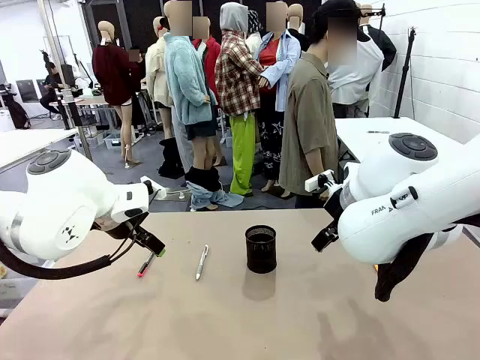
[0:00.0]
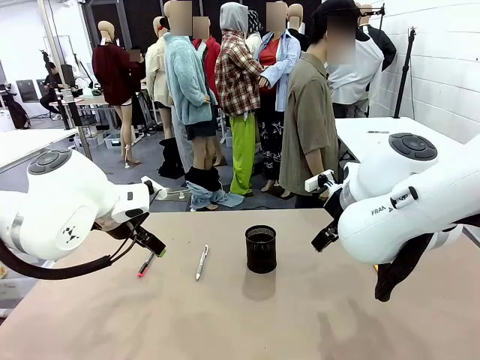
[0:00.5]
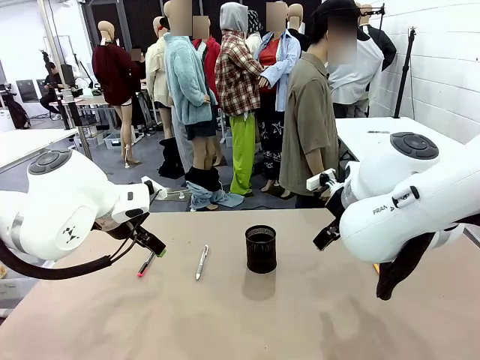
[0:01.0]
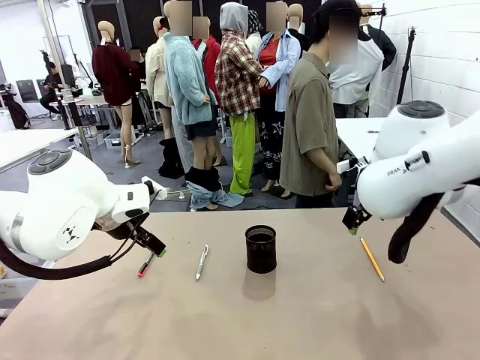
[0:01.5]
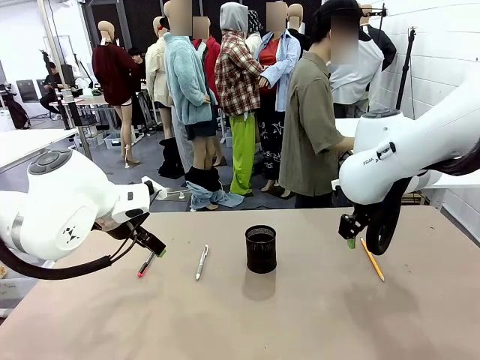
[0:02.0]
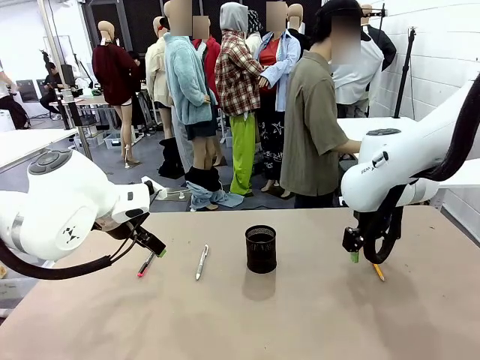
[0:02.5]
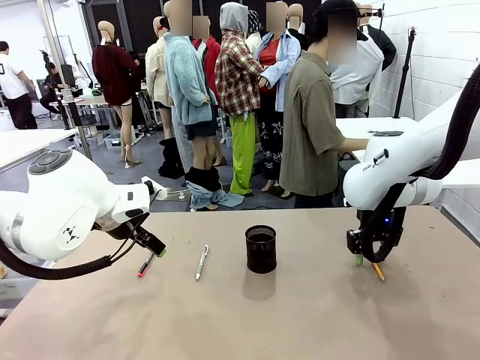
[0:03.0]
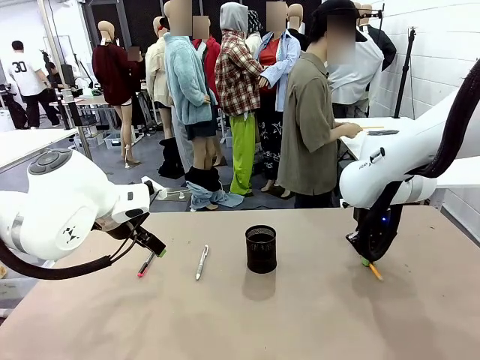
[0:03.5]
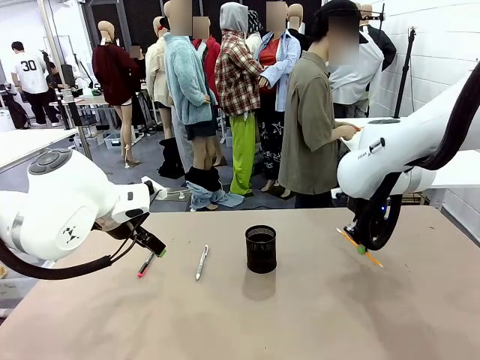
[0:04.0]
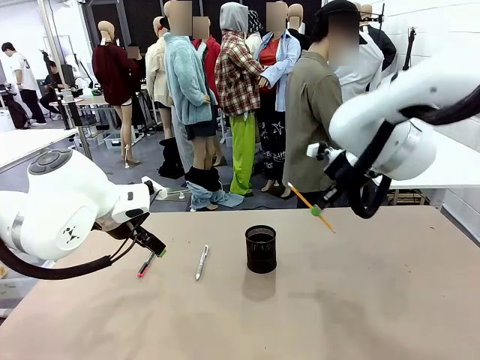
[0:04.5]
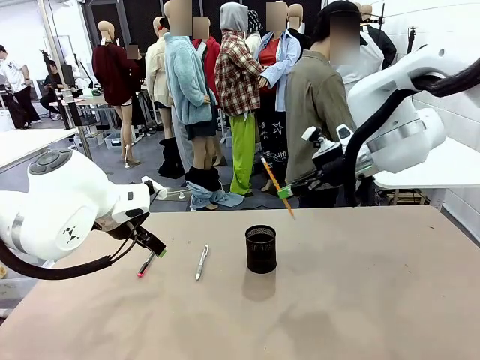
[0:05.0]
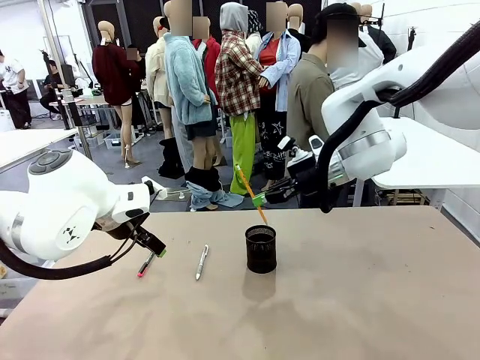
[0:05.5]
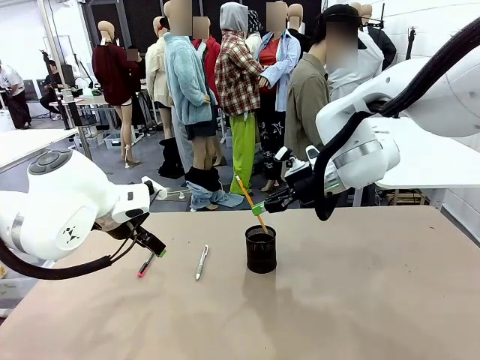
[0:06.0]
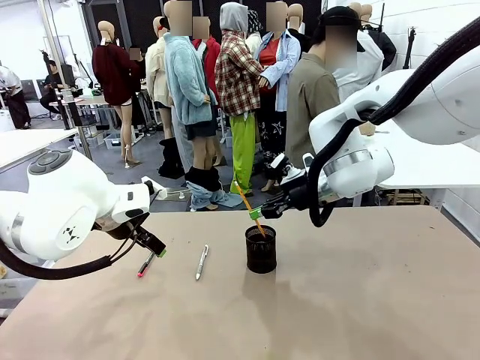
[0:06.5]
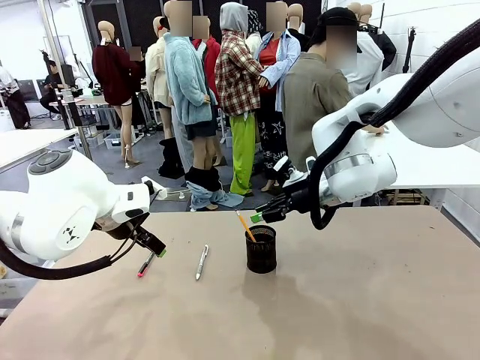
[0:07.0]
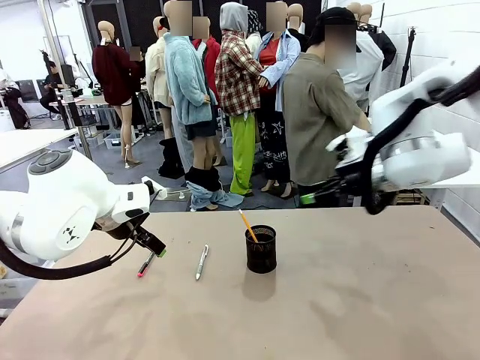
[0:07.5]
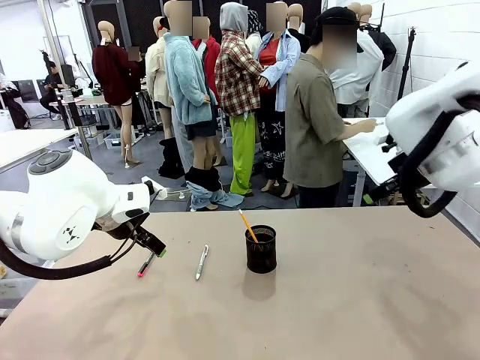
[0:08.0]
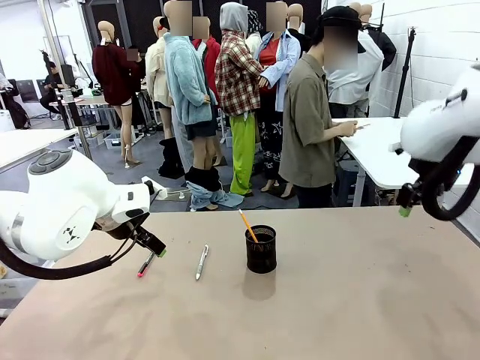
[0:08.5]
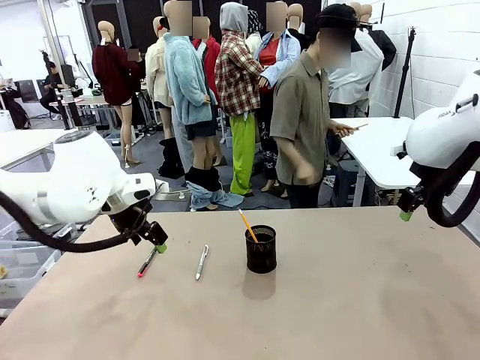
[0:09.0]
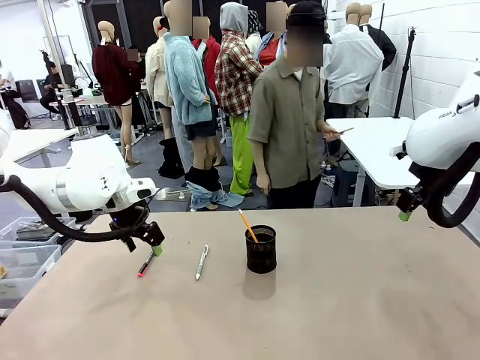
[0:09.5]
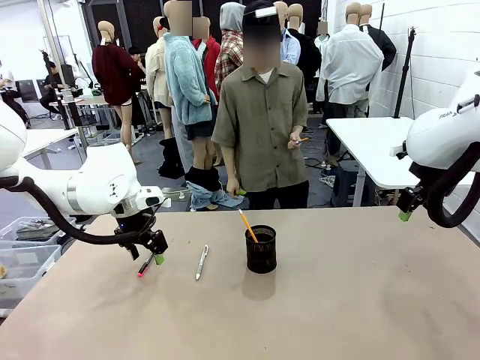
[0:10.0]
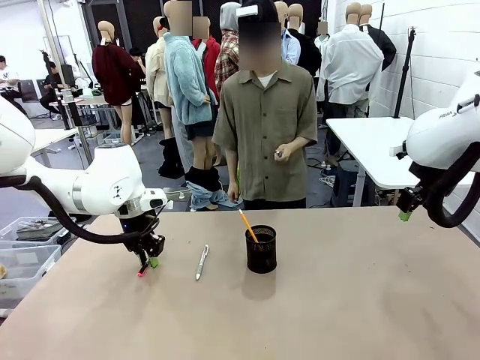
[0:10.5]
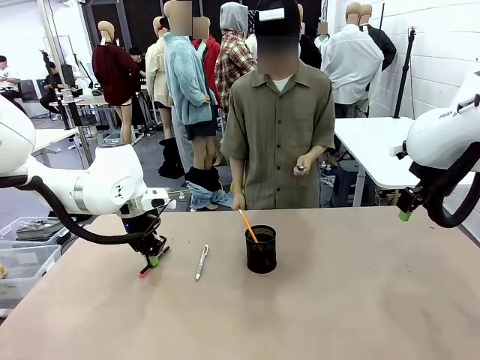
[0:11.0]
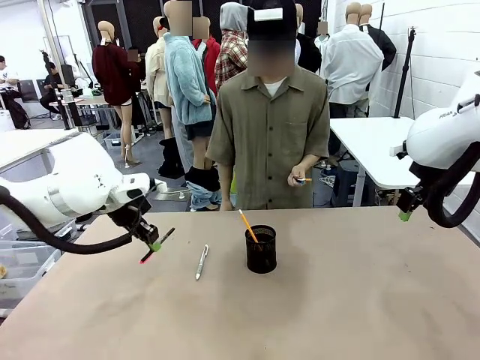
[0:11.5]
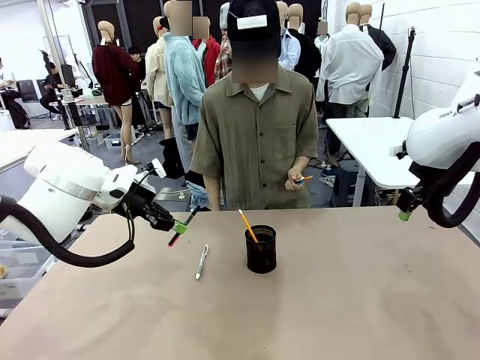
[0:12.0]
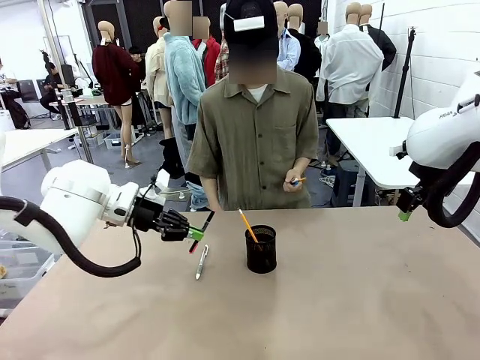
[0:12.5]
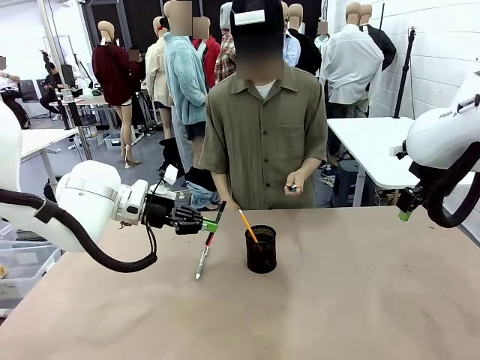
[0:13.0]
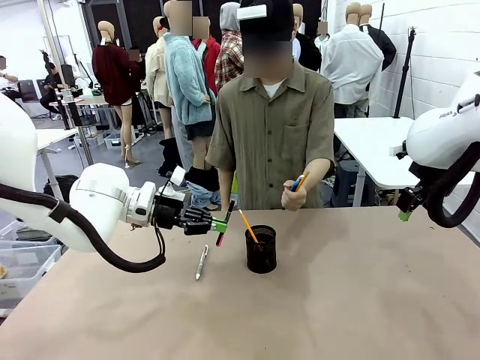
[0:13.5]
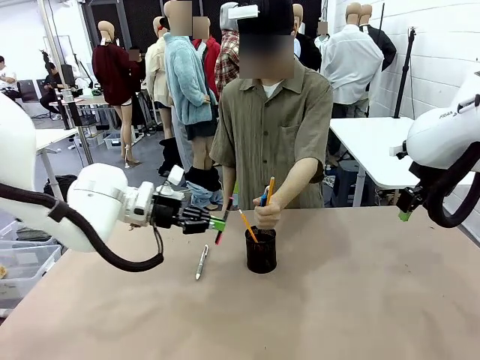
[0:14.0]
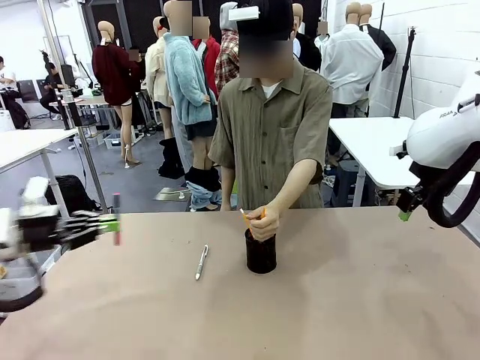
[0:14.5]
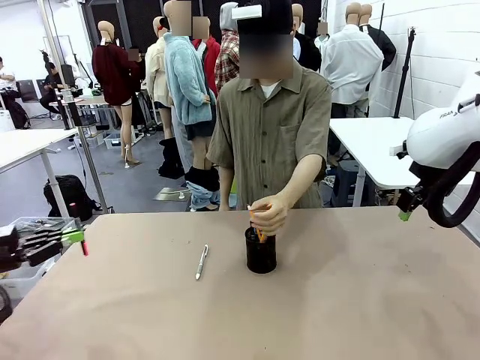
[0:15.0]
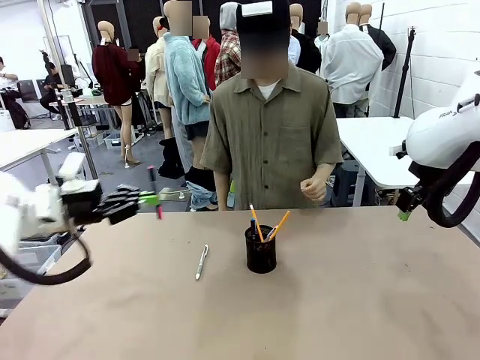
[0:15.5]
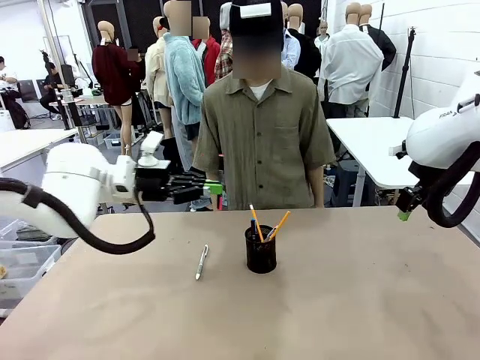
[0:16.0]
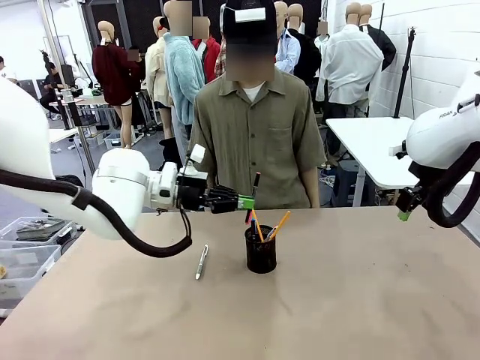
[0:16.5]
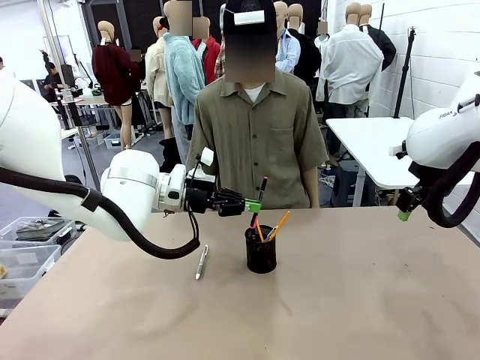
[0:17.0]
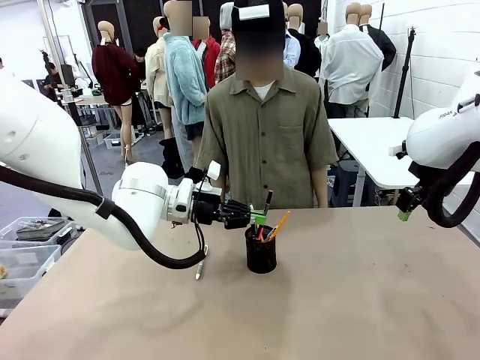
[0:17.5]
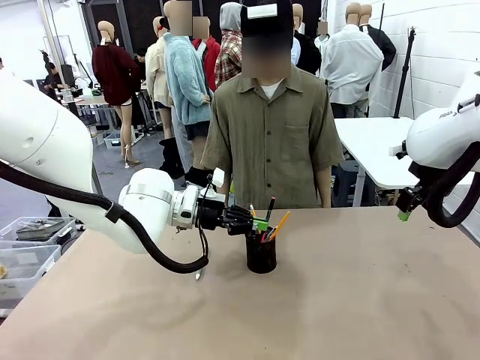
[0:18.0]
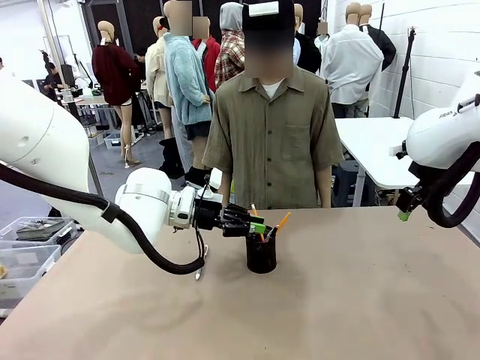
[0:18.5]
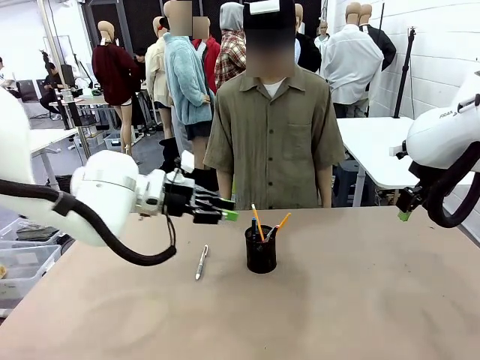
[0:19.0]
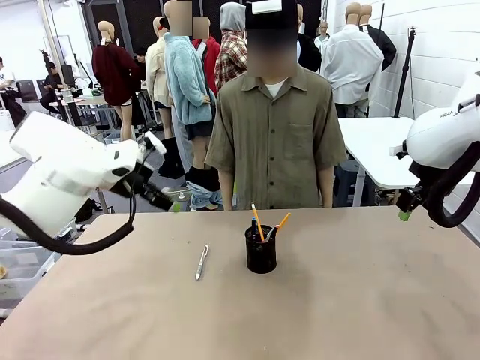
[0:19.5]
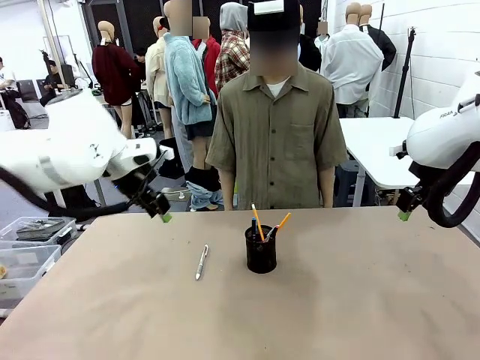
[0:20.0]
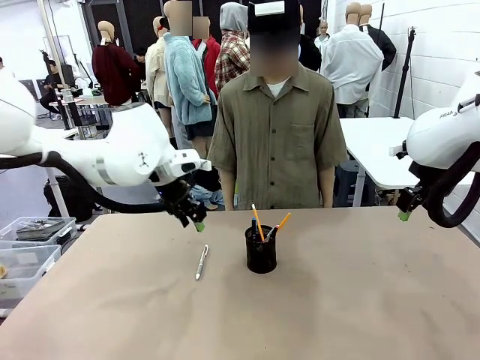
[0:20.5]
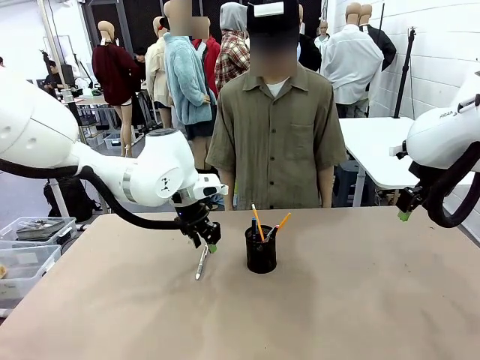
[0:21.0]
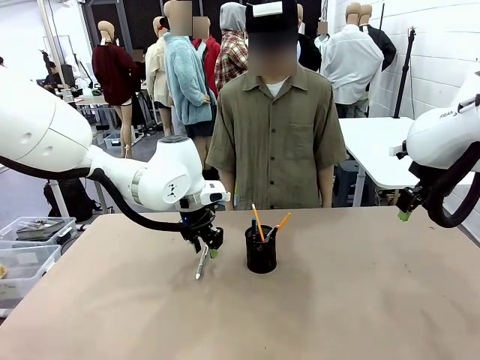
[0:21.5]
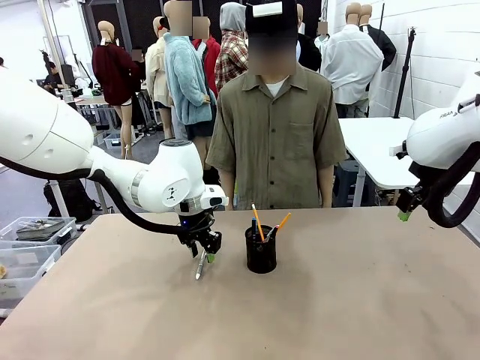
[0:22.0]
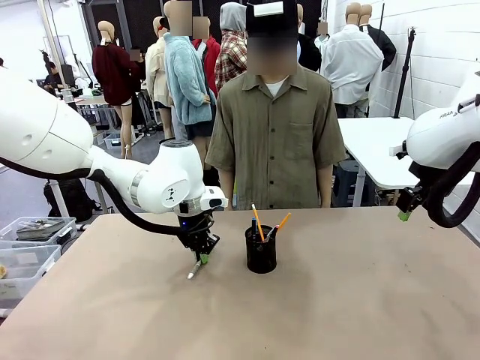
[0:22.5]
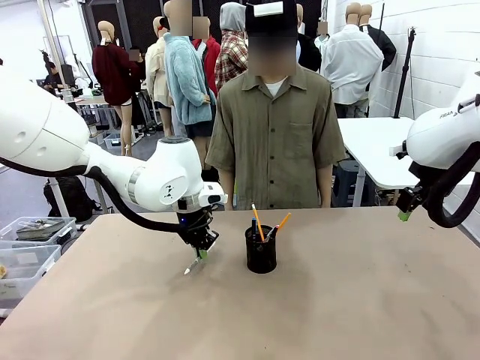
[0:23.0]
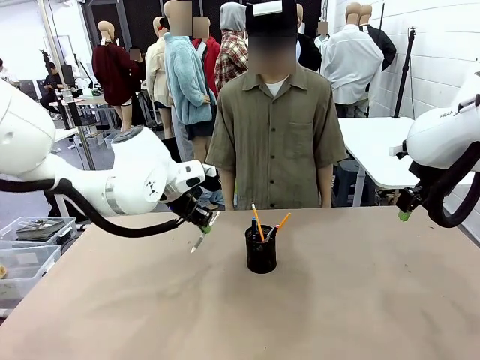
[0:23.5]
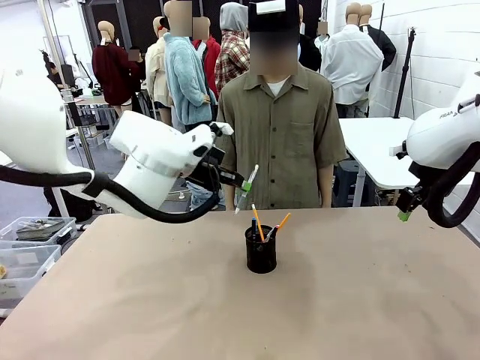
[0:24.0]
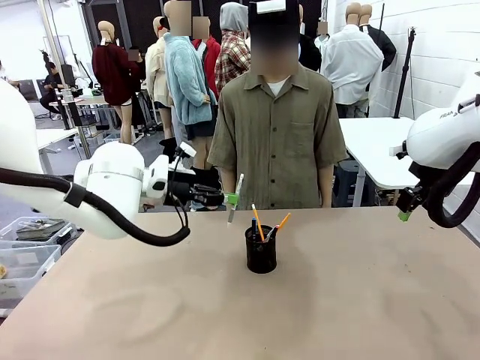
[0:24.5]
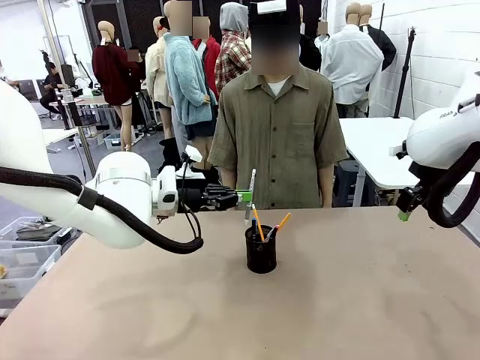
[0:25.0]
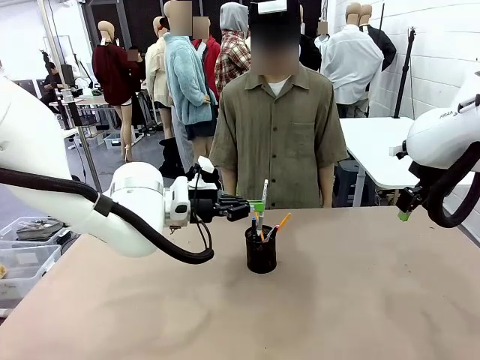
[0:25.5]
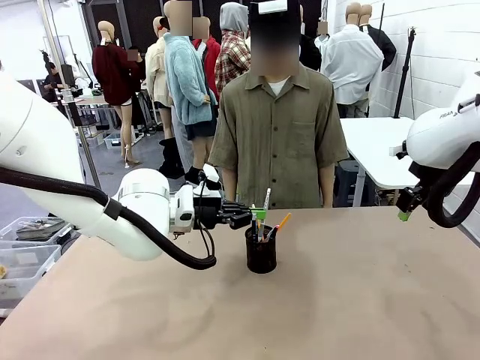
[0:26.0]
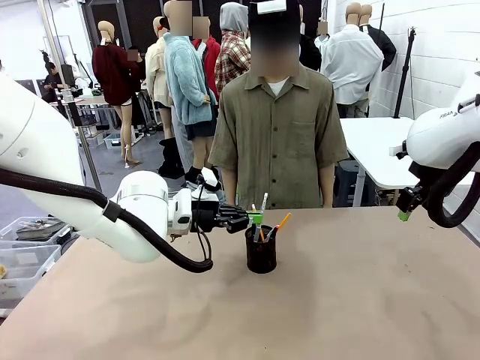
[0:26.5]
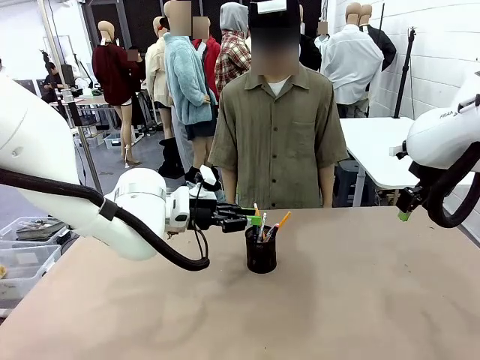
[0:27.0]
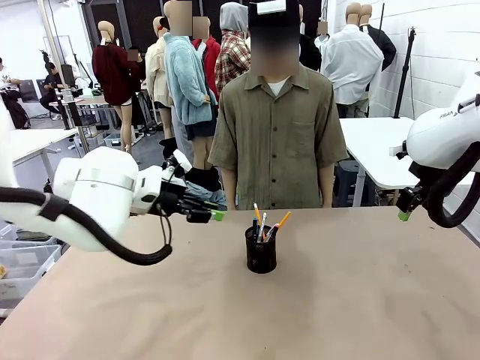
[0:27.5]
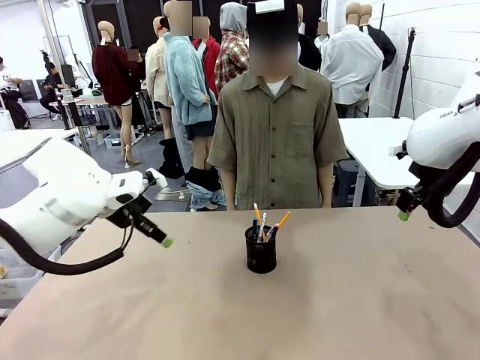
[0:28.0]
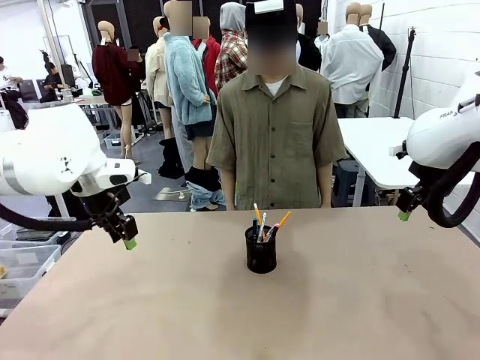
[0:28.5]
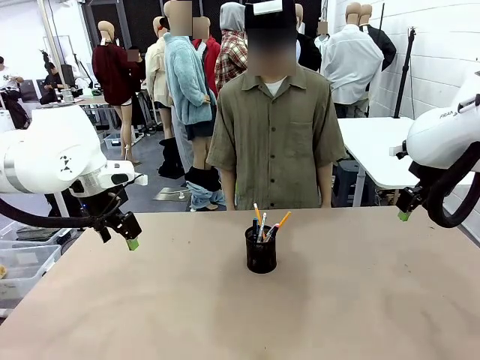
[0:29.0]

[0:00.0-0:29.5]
Task: Place the pens into the pen holder.
Robot: Pick up a writing instrument from the table and place it into the Pen holder.
Person: Pick up all writing instruments from the Human table. Place all writing instrument into the Pen holder.
